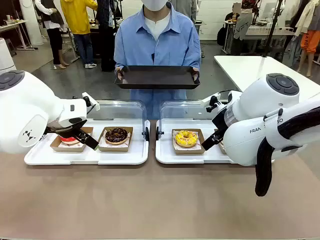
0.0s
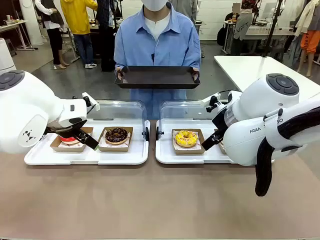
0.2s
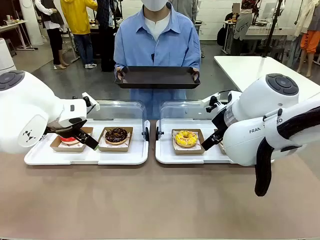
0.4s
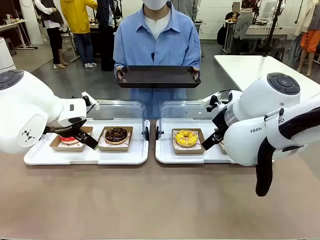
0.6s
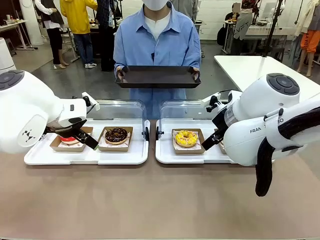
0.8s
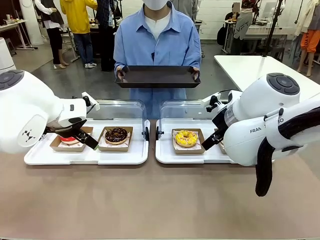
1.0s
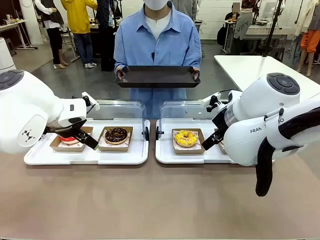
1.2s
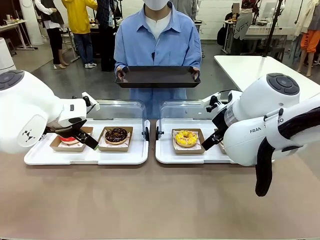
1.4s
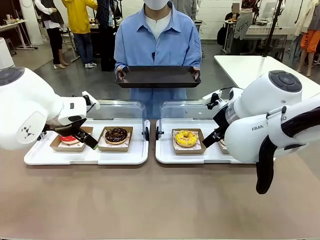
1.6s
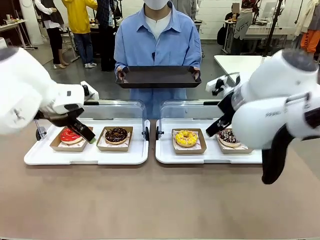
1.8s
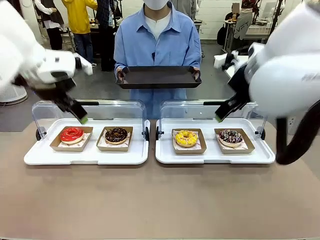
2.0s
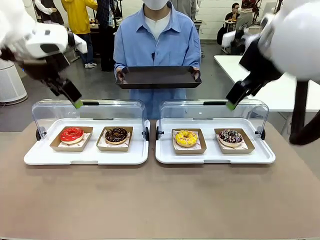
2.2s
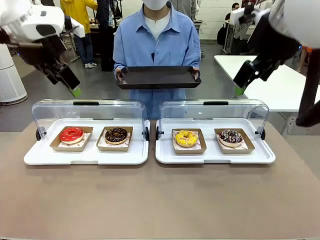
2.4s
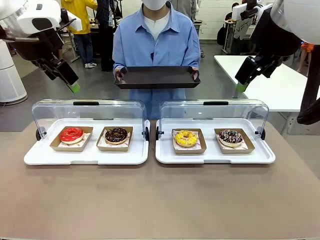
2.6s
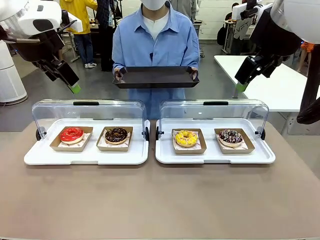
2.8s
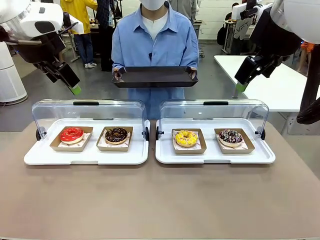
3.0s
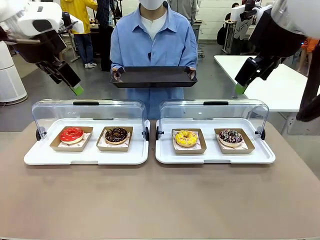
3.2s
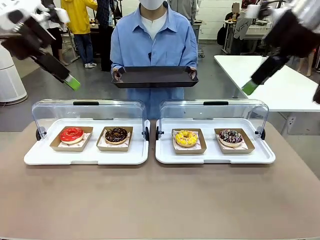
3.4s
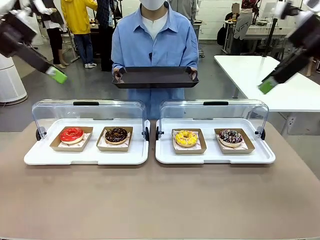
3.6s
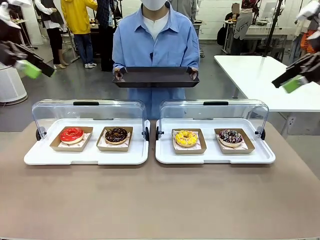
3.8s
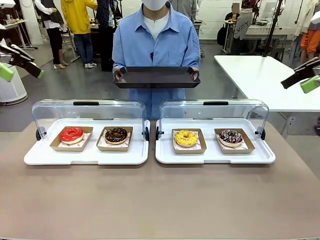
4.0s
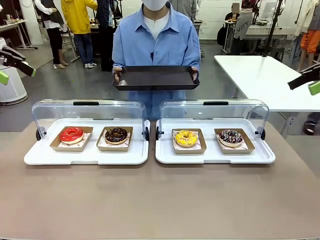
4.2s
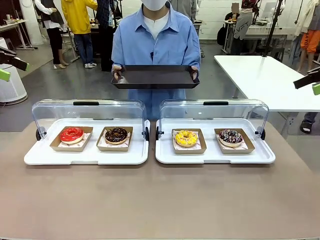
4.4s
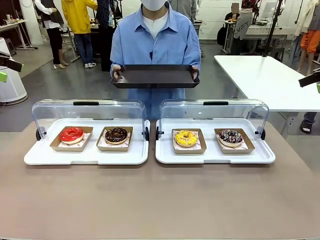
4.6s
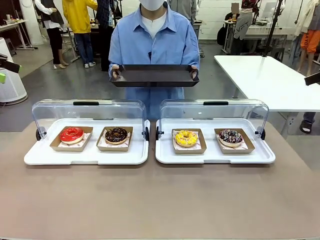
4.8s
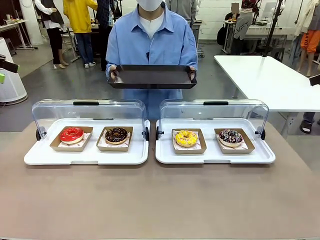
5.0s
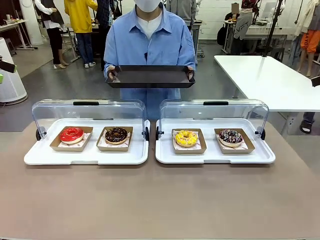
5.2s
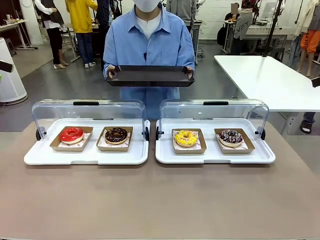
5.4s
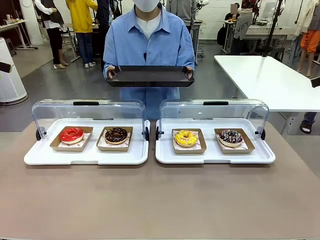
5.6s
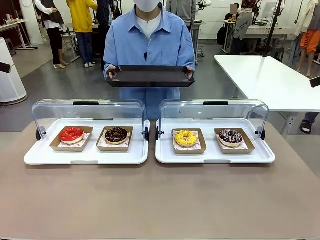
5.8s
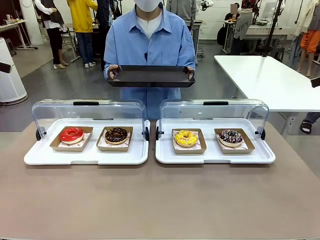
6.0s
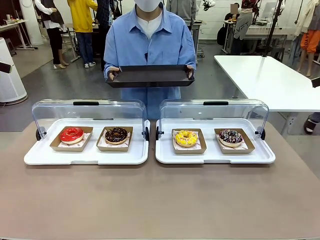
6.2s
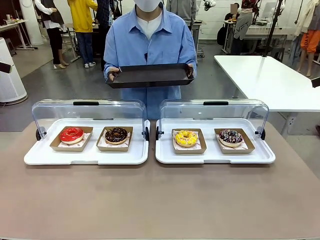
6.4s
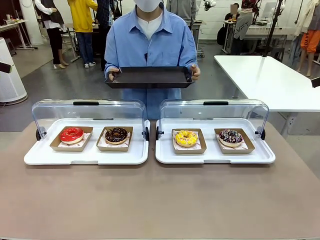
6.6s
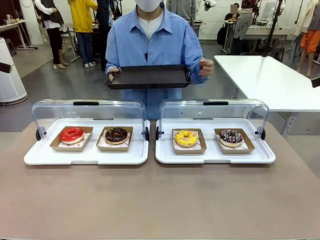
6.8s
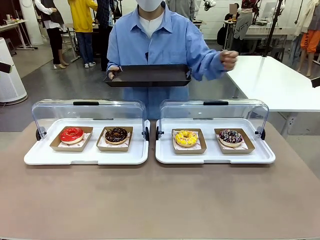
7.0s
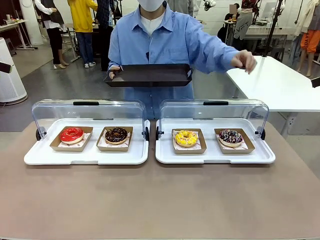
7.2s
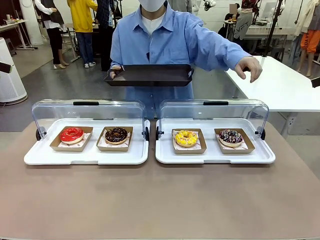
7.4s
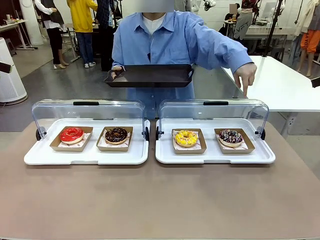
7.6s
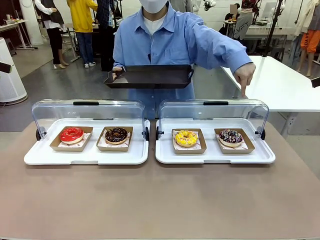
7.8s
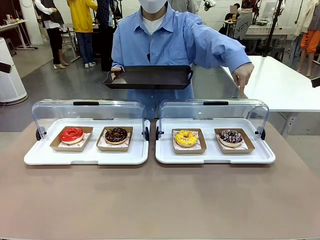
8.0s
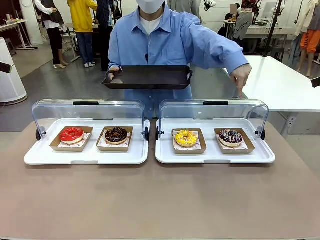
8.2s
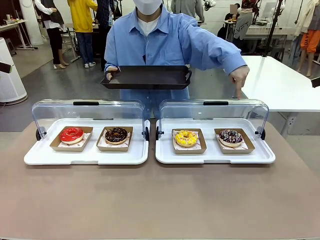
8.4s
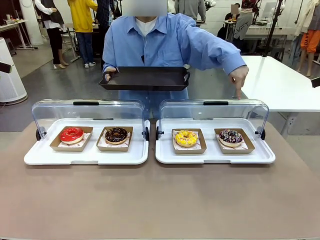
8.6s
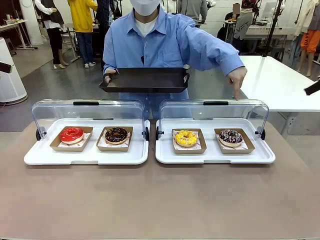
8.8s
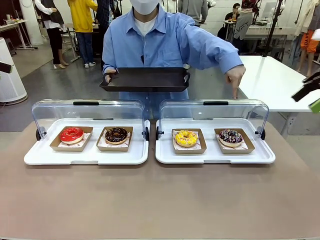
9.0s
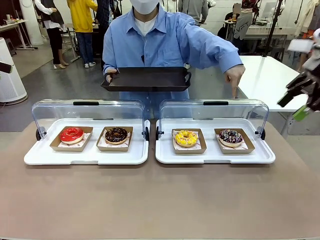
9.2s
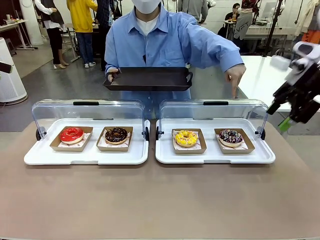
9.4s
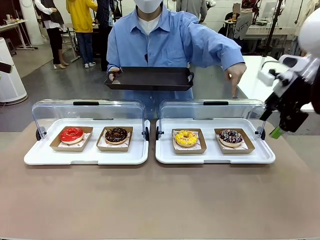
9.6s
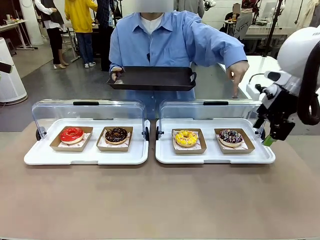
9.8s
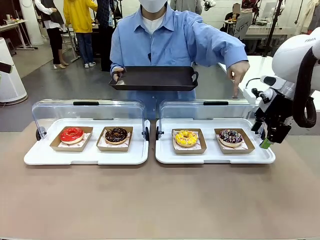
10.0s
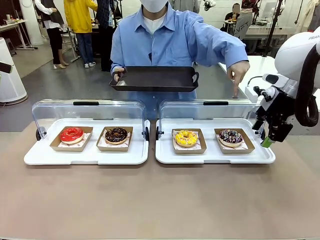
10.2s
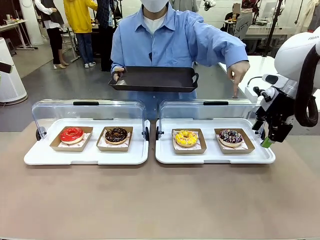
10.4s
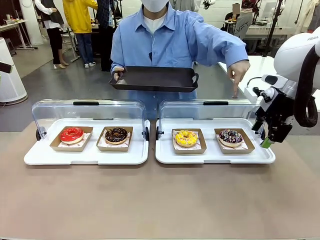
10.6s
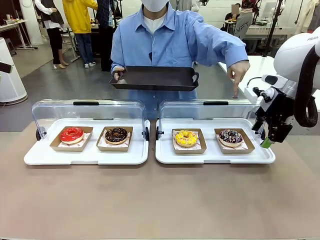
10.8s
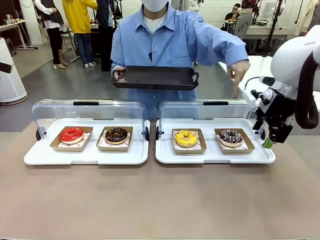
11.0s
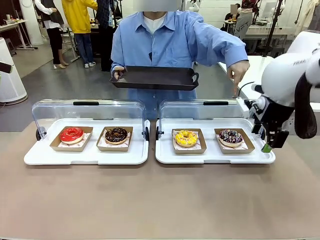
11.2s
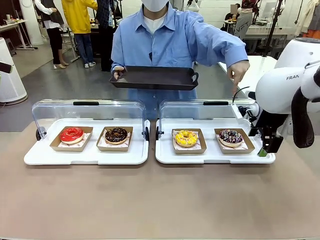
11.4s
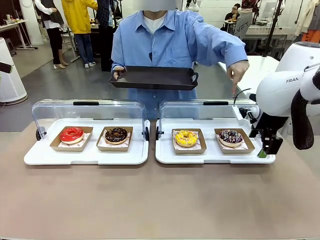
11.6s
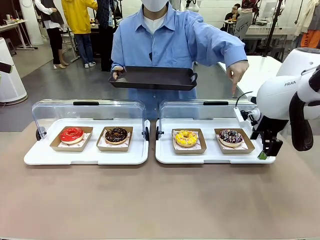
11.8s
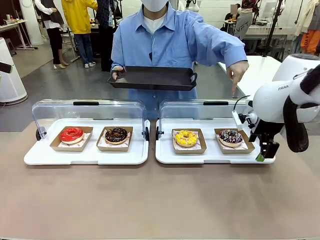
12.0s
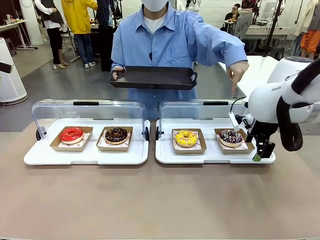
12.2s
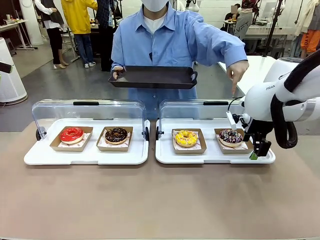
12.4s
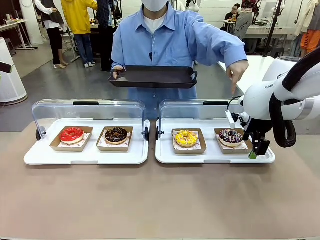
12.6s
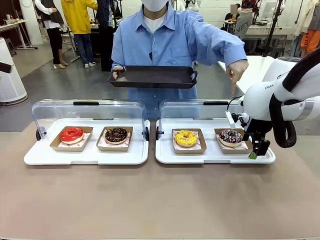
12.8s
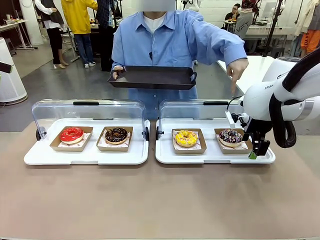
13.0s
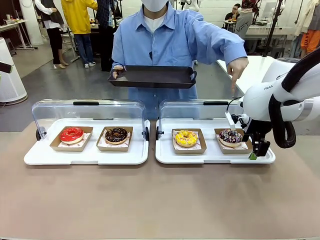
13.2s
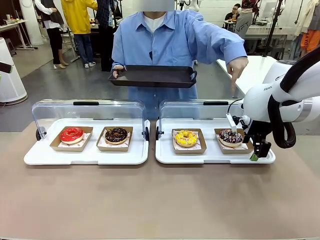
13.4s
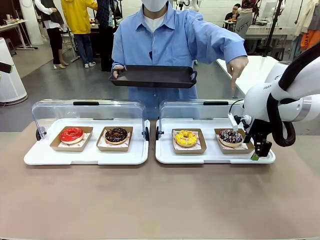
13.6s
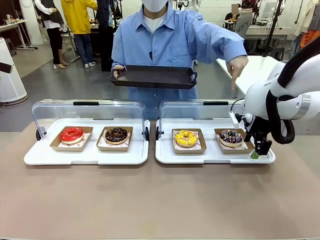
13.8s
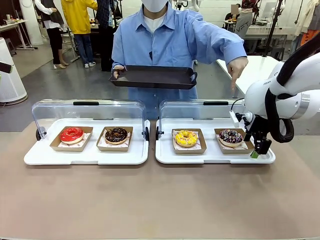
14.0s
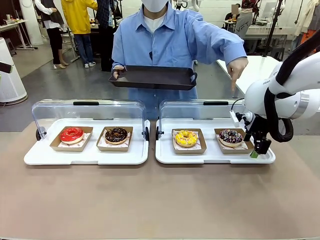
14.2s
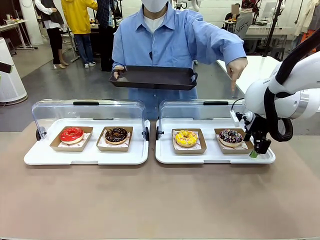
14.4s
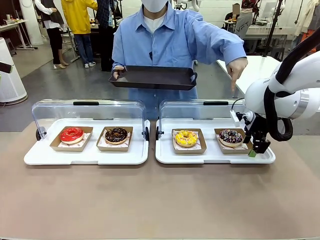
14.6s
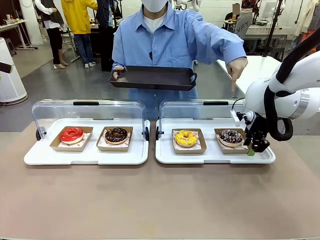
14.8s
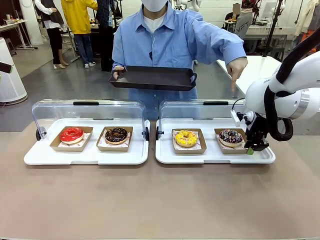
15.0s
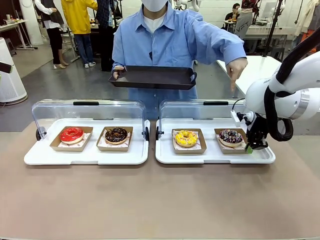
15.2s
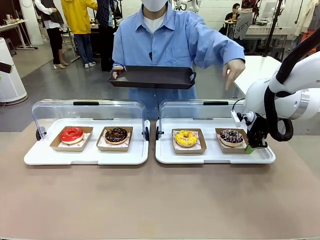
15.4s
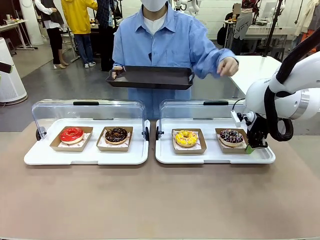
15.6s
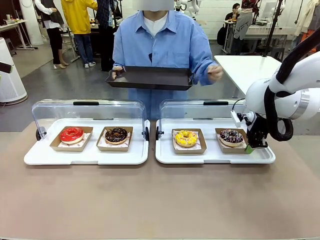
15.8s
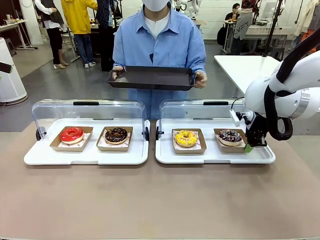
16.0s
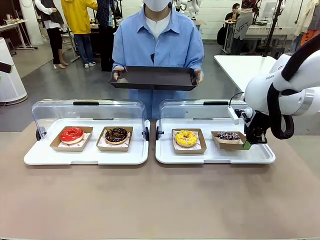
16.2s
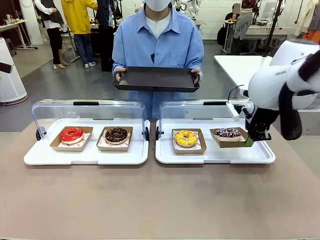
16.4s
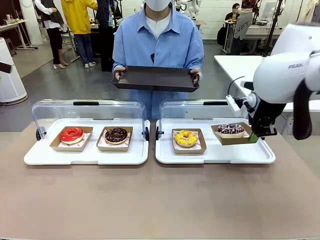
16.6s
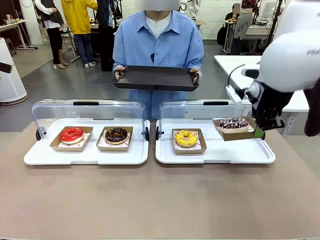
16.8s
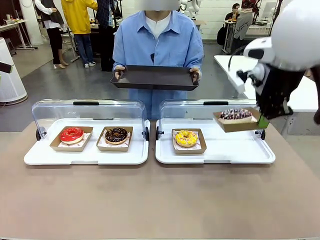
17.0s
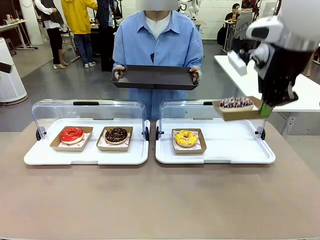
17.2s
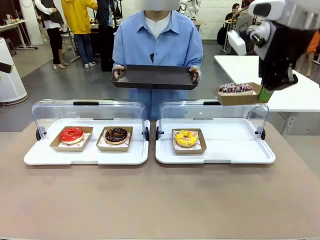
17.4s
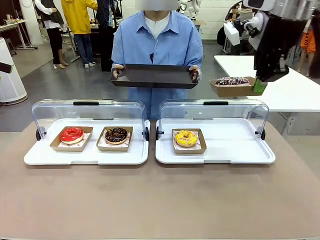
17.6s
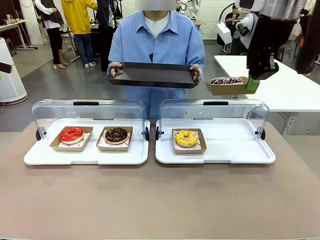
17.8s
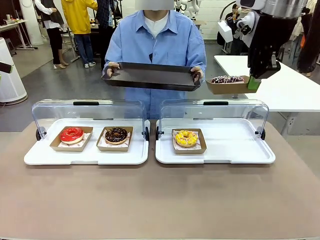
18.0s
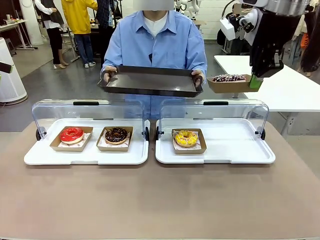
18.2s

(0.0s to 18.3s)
Task: Provide the desired donut to the person.
Robot: Pick up and lift the Paper togo box containing the Donut pointed at by the person.
Person: Point to one donut. Lift the tray onto the Roll-Top Bakery Case.

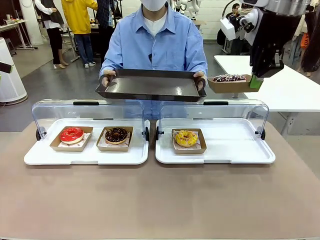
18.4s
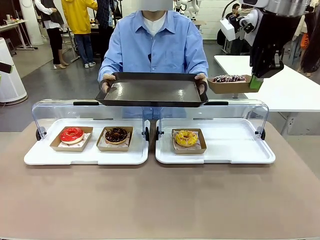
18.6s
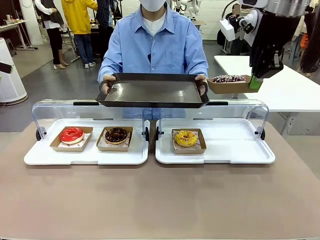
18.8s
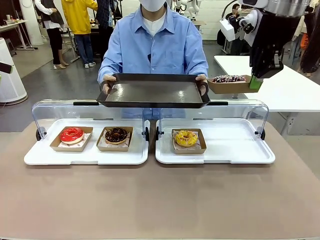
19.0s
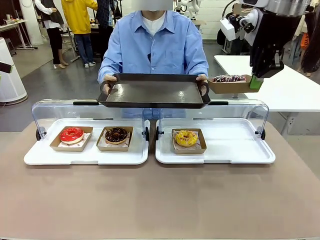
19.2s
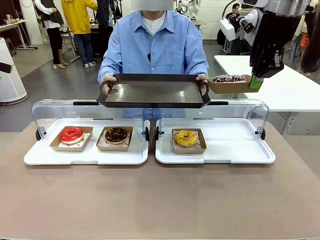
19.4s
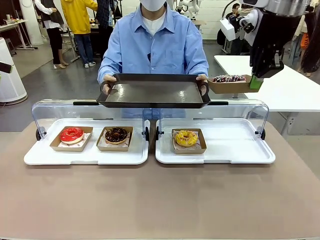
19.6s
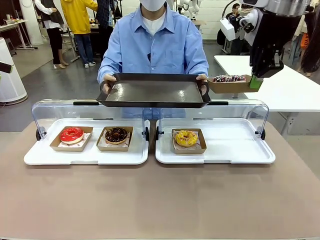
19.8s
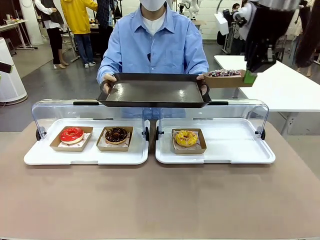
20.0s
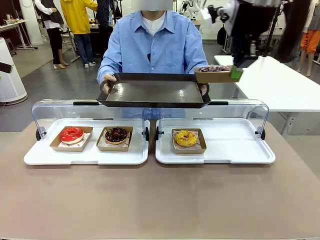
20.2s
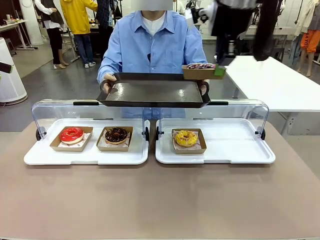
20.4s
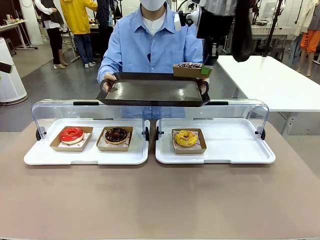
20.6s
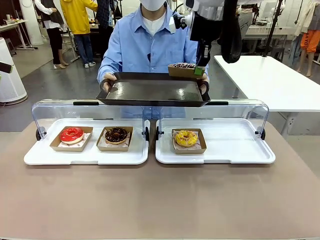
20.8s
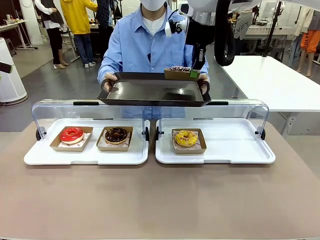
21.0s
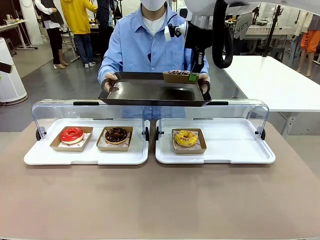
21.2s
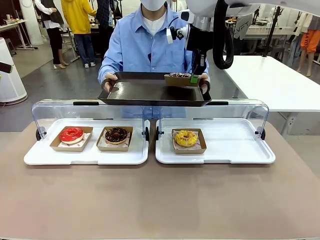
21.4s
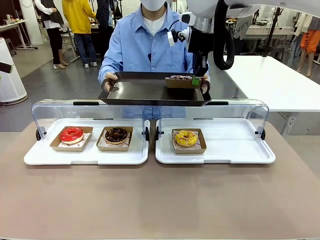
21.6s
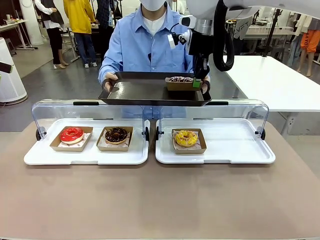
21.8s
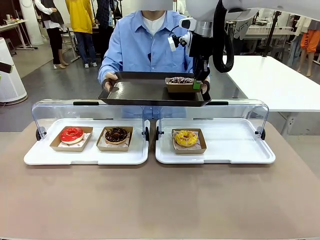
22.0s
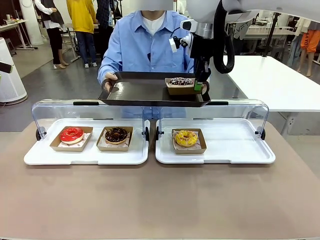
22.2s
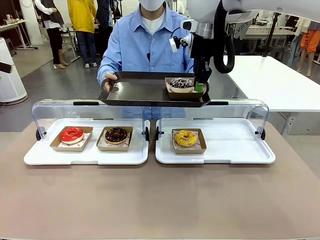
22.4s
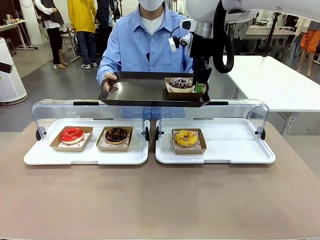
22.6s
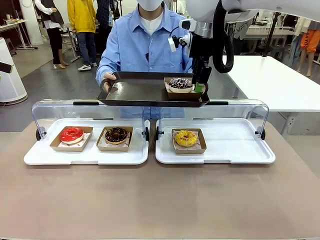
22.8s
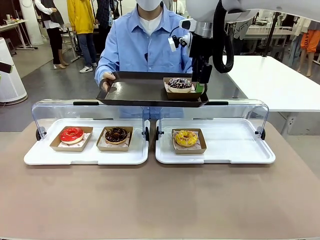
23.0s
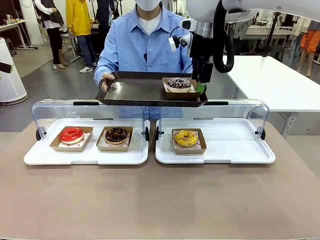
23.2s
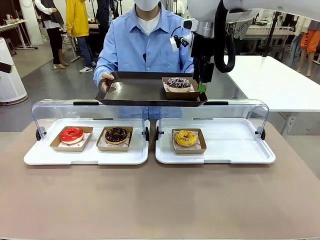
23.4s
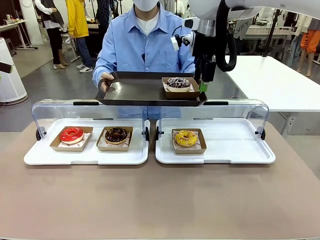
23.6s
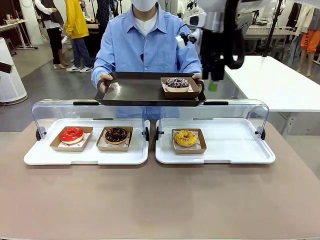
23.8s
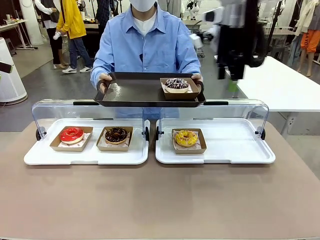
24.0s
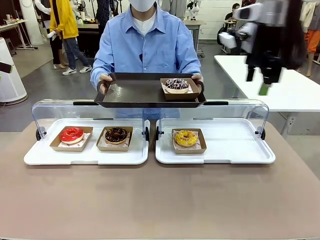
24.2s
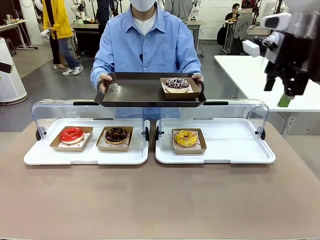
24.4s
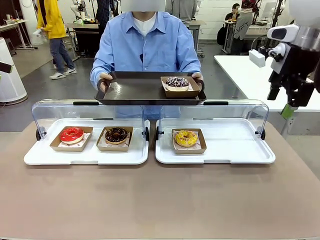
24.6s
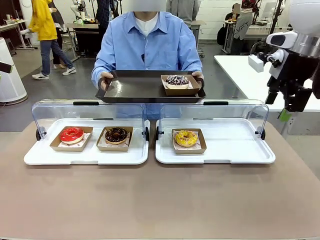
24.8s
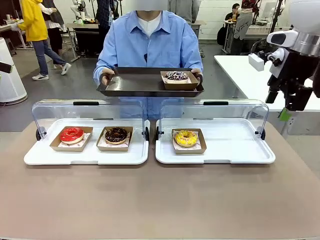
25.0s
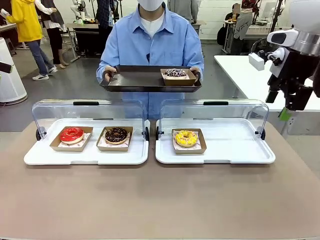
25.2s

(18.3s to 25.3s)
Robot: Place the picked Paper togo box onto the Handle tray extended by the person.
